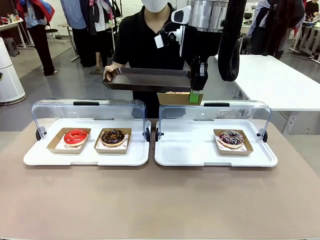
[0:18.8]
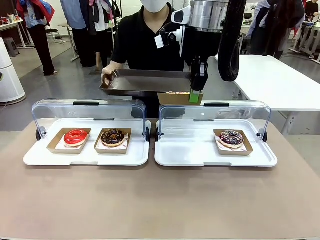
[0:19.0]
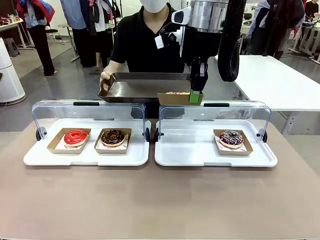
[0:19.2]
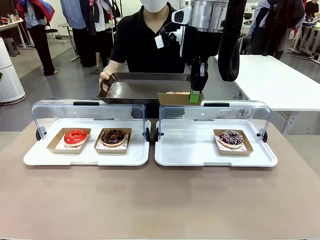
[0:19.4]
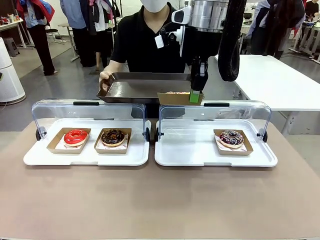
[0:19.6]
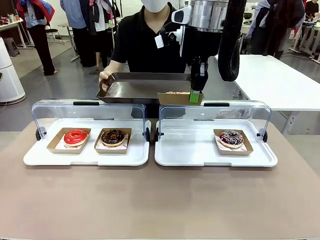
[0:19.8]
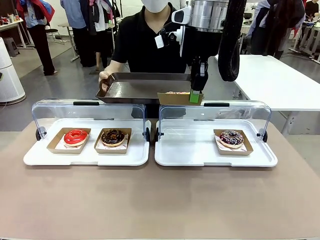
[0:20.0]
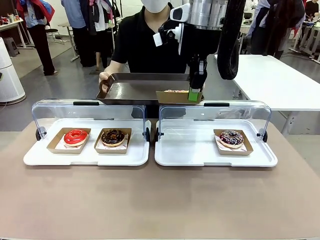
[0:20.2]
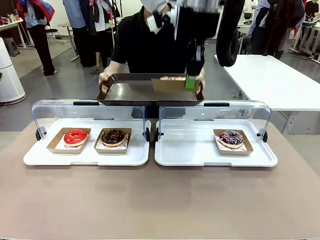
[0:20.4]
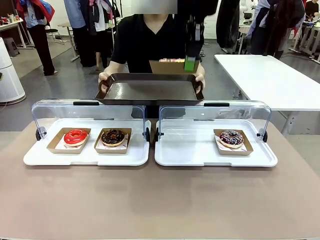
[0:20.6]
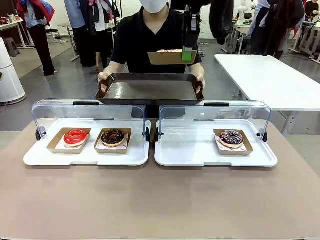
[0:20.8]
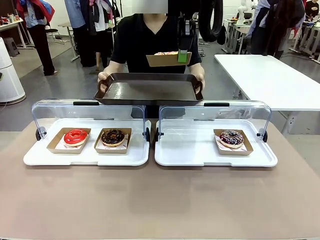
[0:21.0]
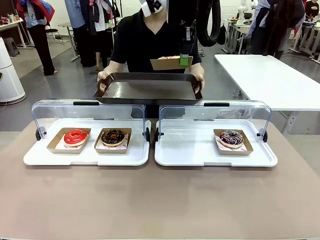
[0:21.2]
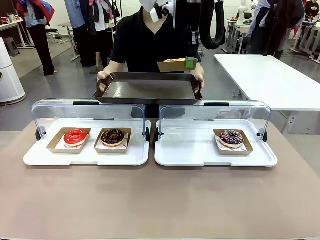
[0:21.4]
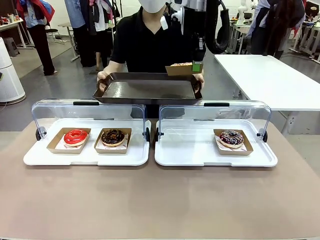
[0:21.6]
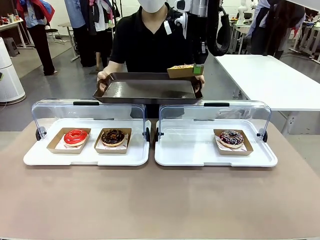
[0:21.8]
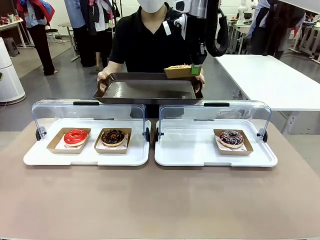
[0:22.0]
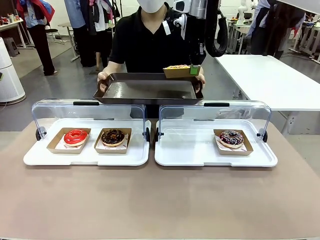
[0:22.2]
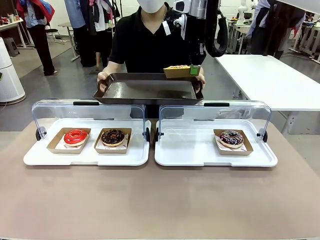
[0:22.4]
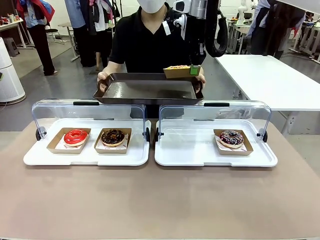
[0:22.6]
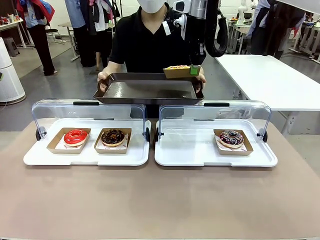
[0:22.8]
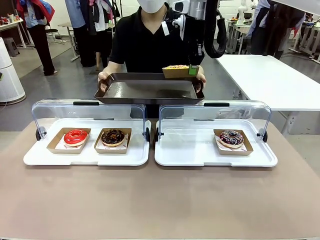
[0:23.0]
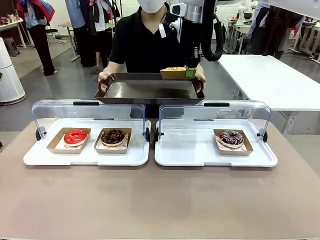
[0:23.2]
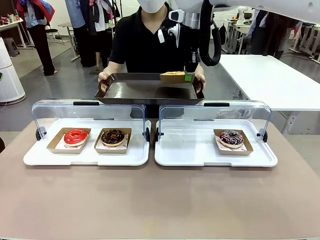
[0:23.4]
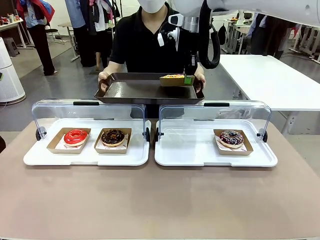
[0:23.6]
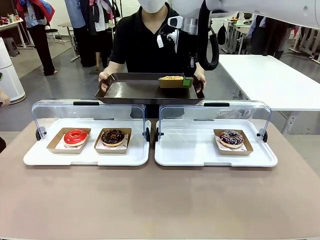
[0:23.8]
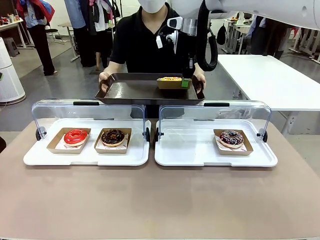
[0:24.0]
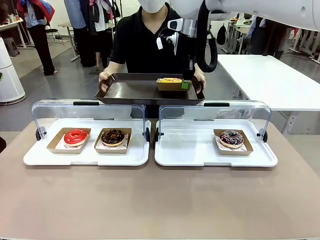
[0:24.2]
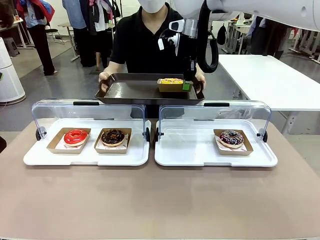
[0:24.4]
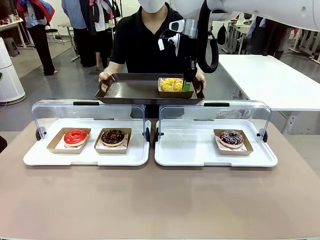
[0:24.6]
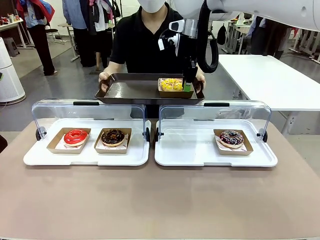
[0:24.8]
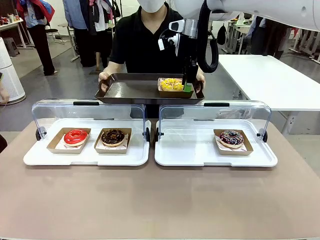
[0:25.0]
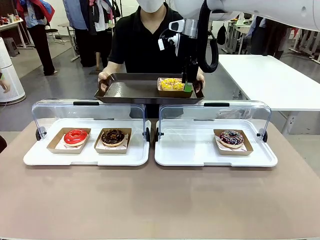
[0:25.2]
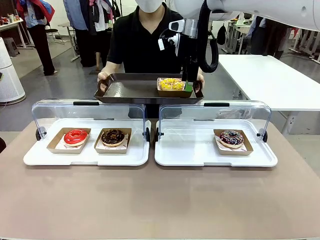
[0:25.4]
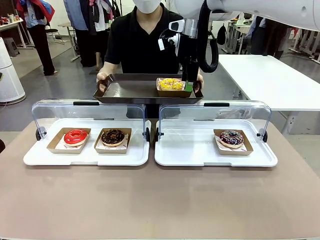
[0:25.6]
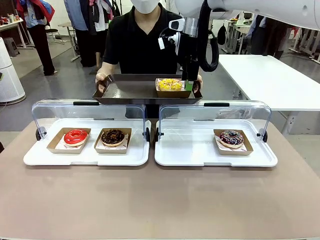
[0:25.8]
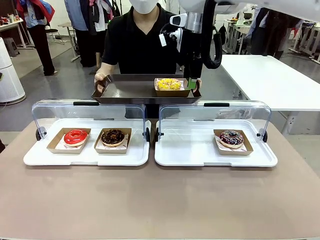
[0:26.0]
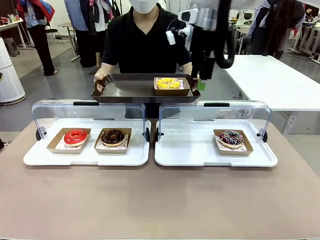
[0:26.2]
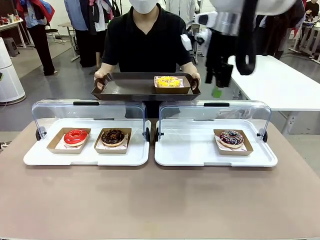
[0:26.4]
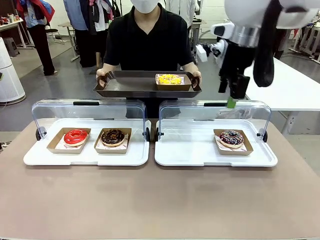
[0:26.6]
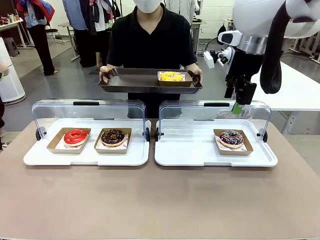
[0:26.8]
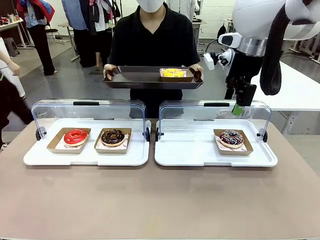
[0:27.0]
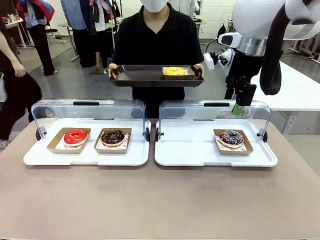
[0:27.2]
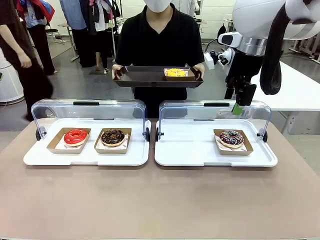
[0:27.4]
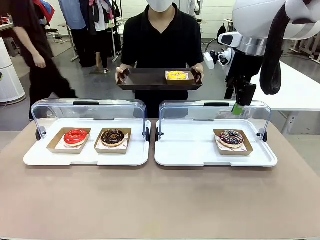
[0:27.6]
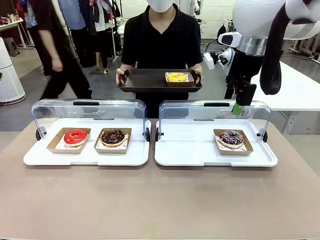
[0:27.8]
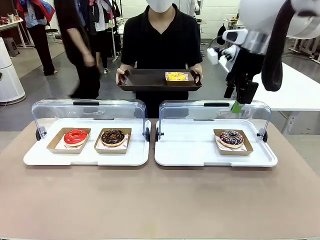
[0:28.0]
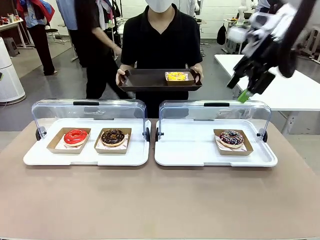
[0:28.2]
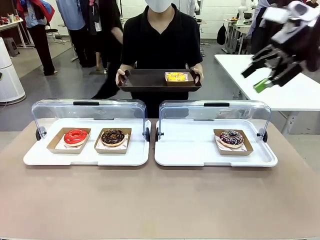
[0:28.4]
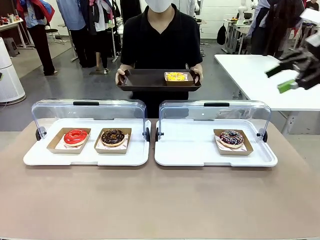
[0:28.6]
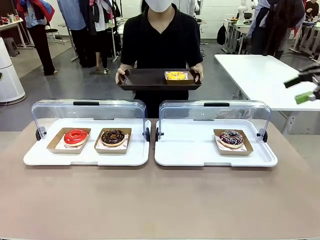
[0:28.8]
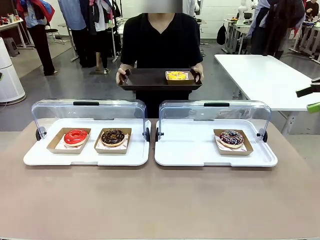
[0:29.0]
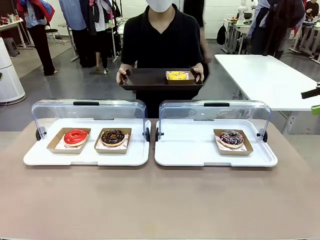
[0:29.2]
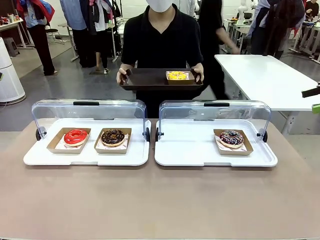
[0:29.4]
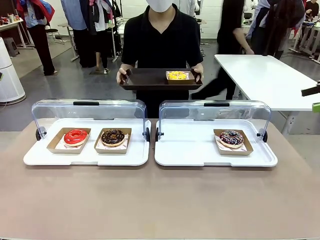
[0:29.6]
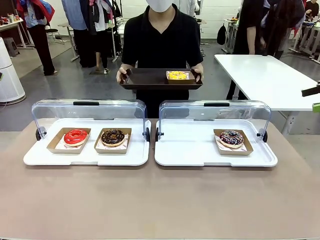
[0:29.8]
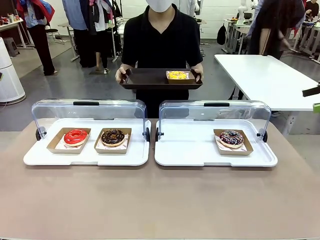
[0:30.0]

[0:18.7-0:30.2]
Task: Provide the desired donut to the person.
Robot: Place the picked Paper togo box onto the Handle tray extended by the person.
Person: Point to one donut.

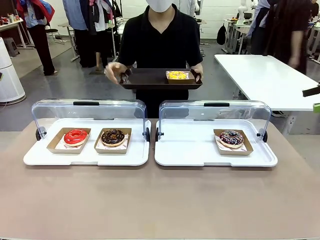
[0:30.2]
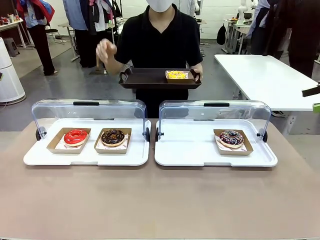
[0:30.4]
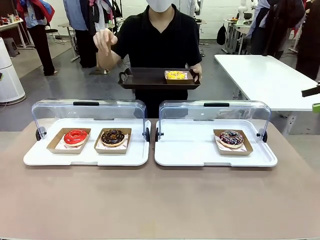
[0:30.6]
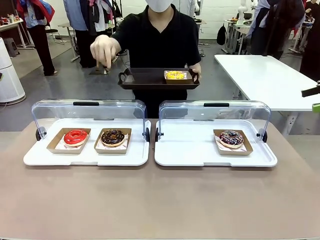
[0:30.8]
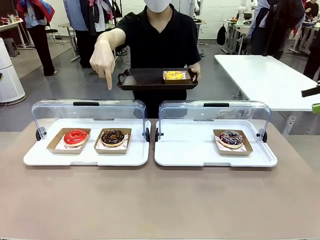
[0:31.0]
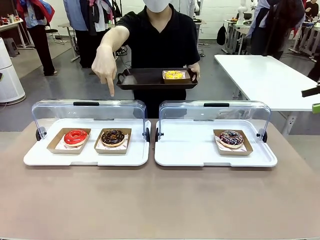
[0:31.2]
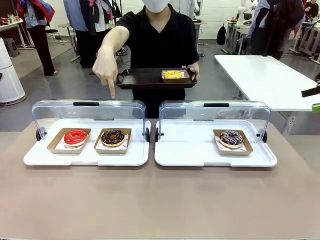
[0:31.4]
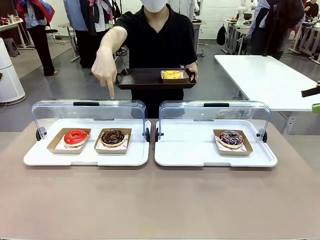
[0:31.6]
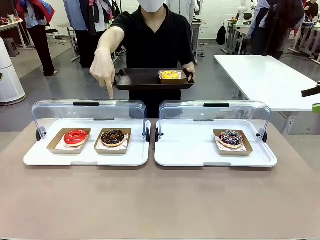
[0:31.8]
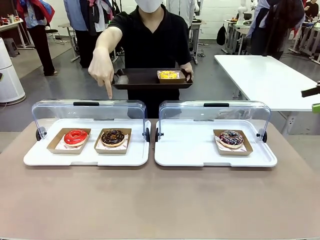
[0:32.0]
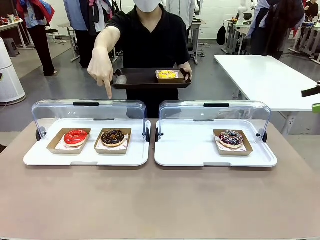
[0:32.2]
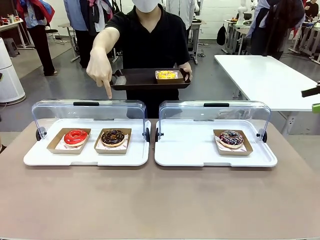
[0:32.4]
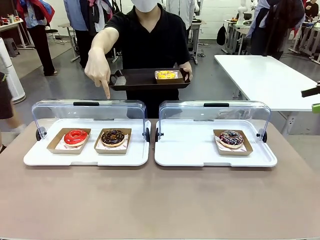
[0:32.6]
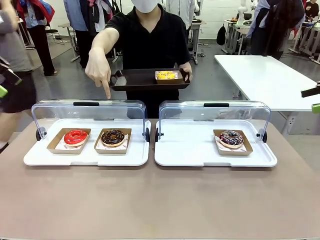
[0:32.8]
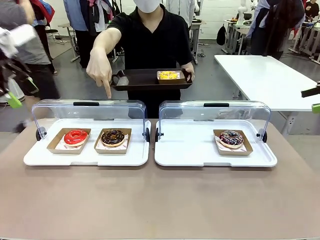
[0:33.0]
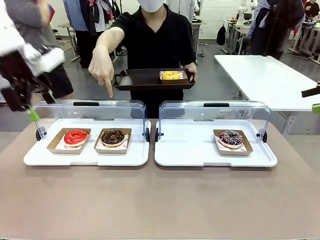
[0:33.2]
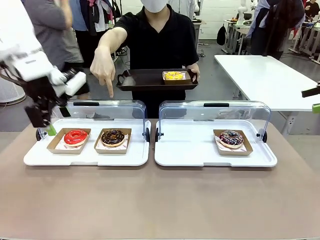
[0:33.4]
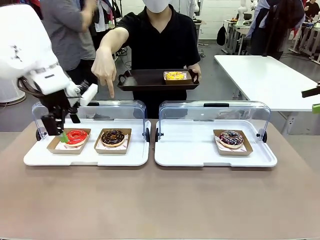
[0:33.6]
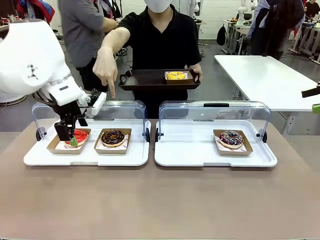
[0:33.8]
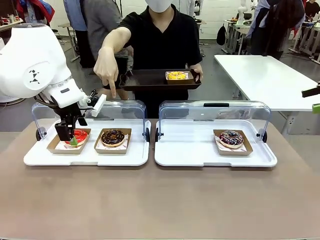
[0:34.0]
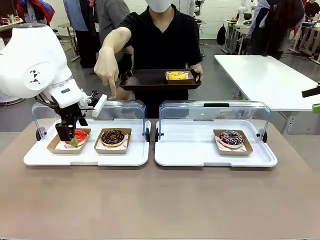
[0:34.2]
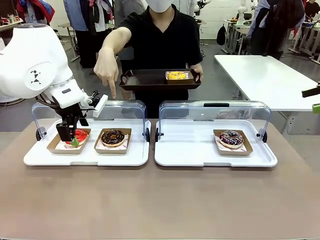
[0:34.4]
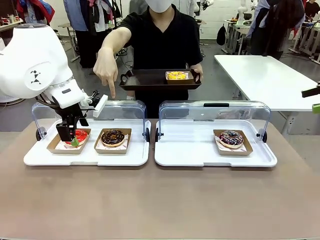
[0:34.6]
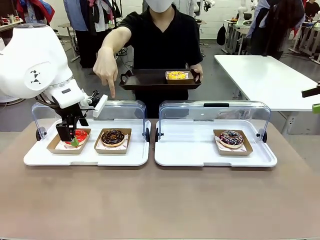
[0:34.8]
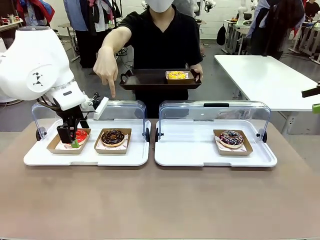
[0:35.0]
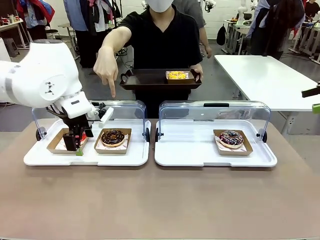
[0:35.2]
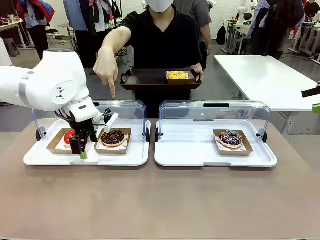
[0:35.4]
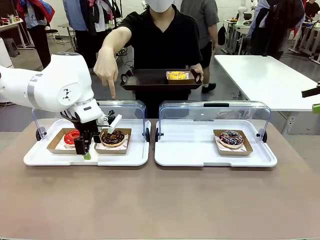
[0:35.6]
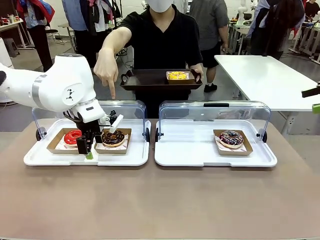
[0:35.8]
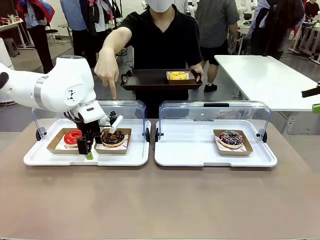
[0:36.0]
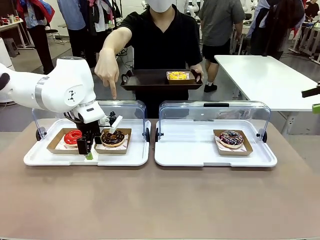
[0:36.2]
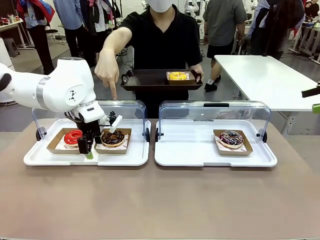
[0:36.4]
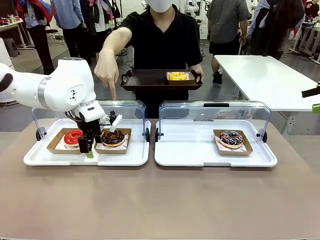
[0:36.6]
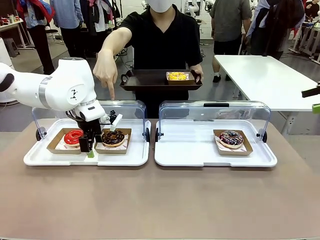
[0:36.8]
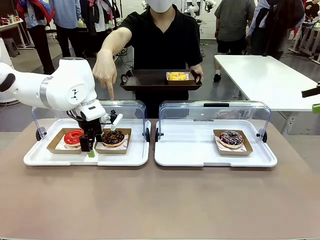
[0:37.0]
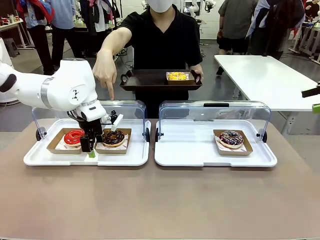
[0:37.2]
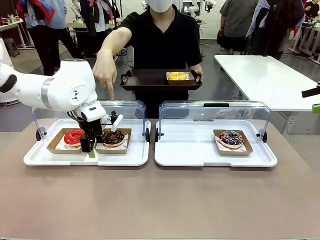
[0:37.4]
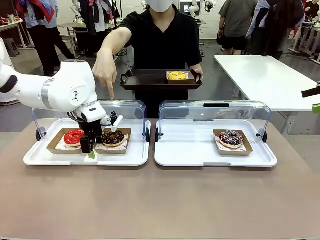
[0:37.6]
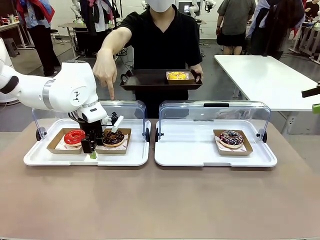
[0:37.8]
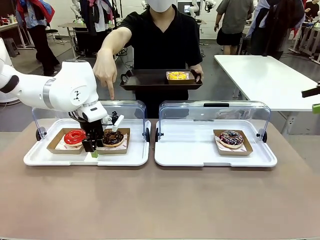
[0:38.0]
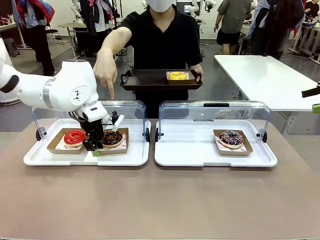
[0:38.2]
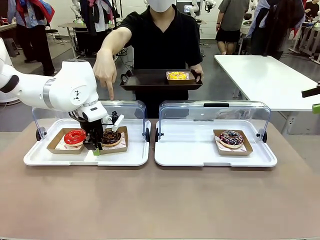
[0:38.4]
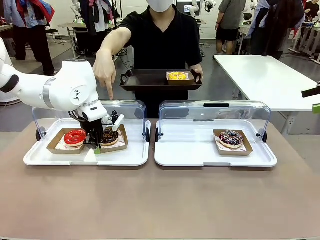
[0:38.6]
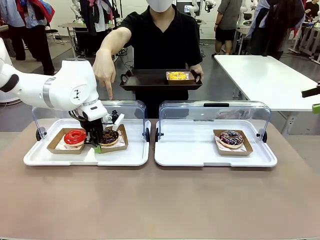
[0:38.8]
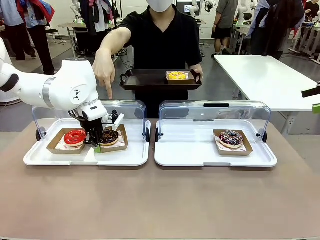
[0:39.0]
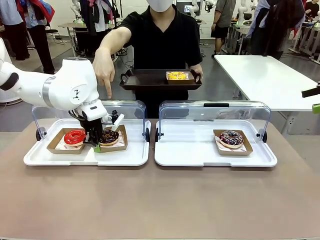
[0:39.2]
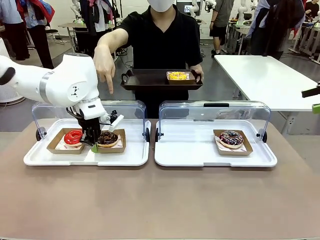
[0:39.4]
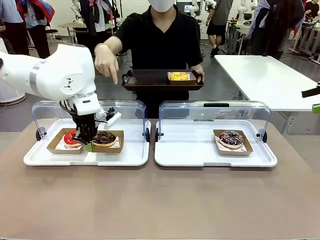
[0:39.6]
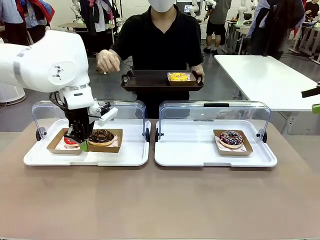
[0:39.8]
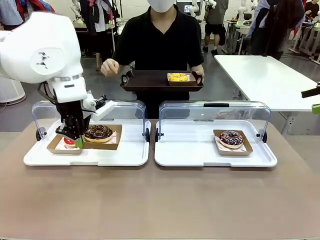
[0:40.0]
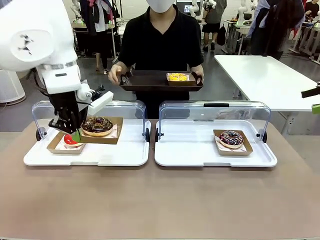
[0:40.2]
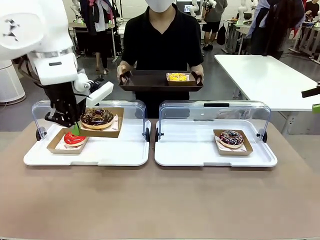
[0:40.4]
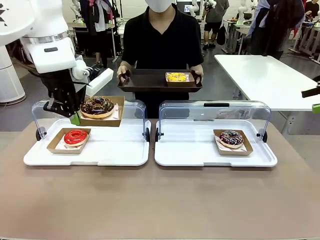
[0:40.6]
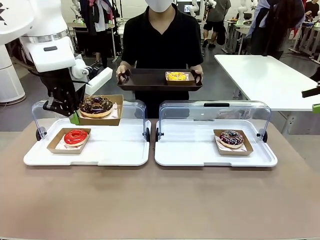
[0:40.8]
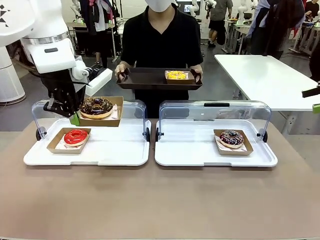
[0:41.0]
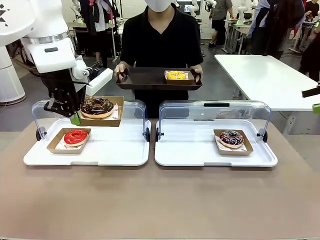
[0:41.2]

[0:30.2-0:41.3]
Robot: Pick up and lift the Paper togo box containing the Donut pointed at by the person.
Person: Lift the tray onto the Roll-Top Bakery Case.
